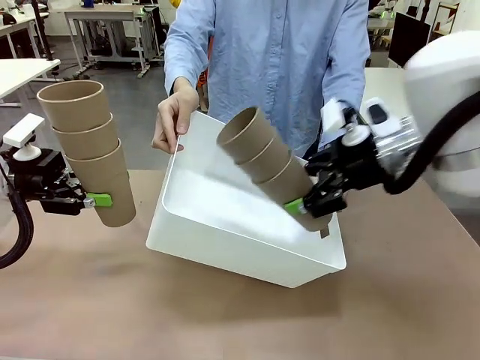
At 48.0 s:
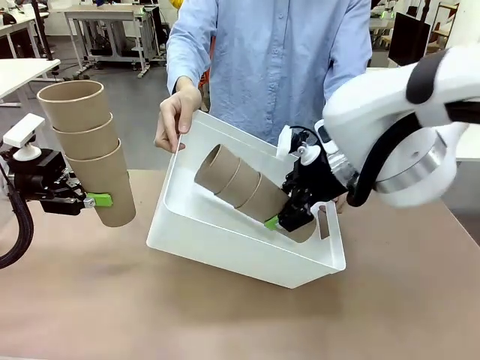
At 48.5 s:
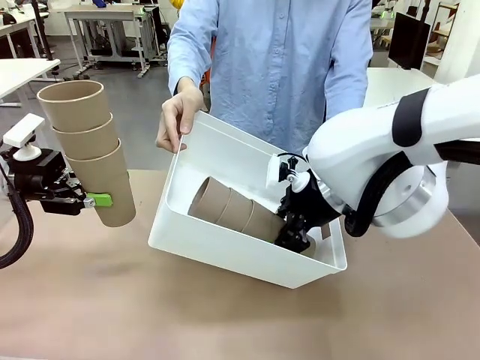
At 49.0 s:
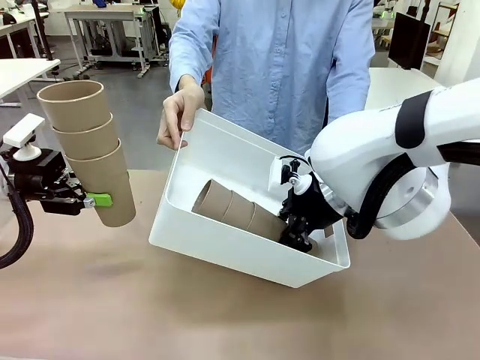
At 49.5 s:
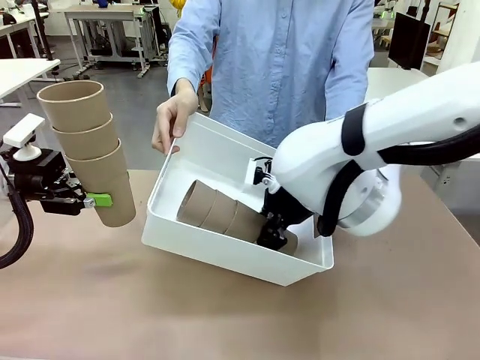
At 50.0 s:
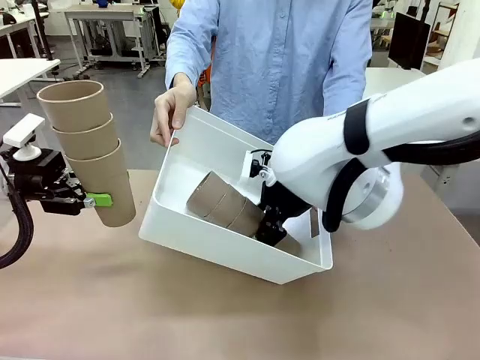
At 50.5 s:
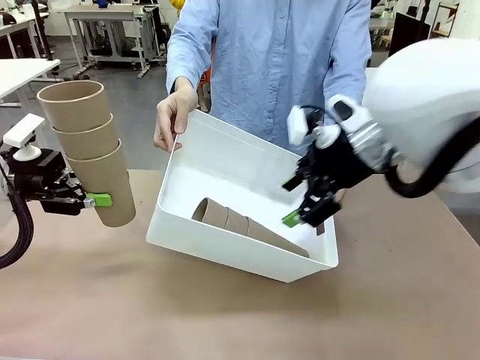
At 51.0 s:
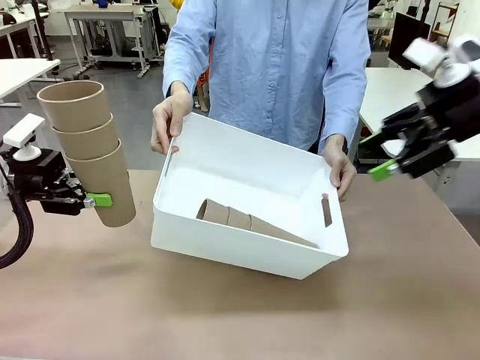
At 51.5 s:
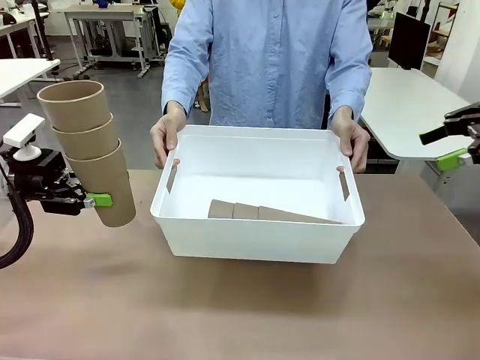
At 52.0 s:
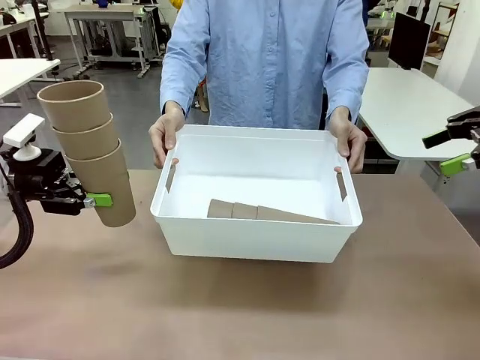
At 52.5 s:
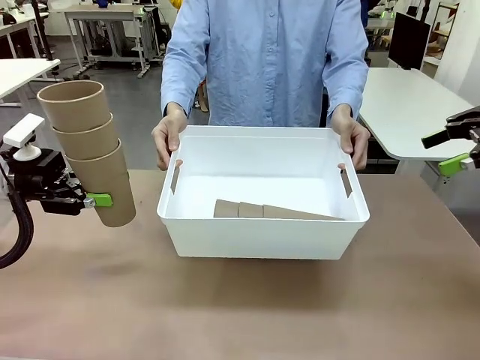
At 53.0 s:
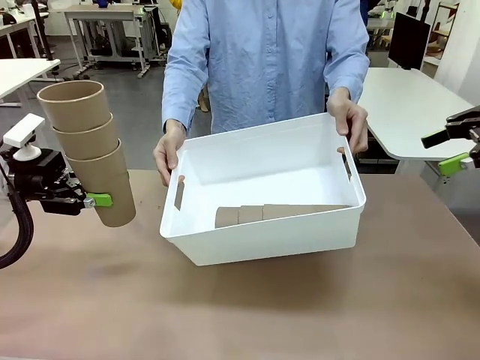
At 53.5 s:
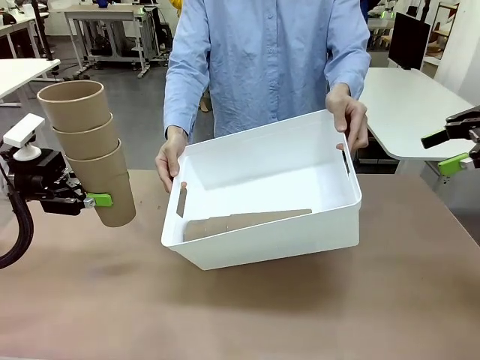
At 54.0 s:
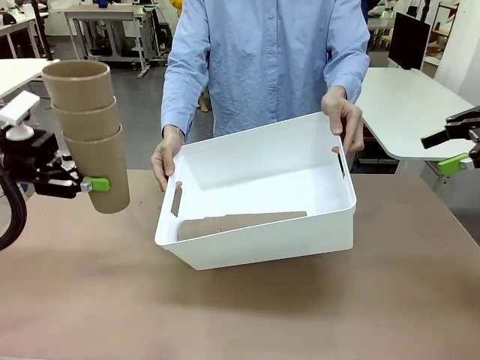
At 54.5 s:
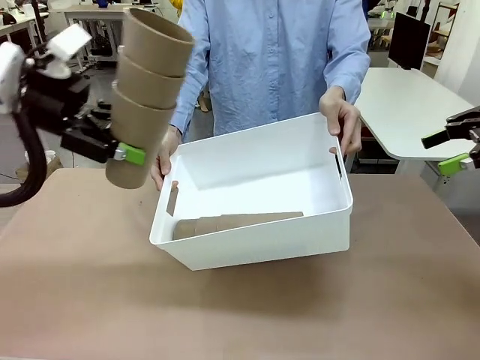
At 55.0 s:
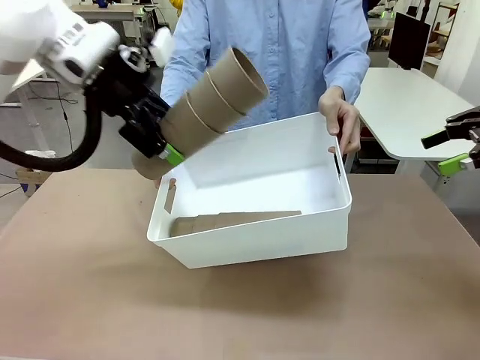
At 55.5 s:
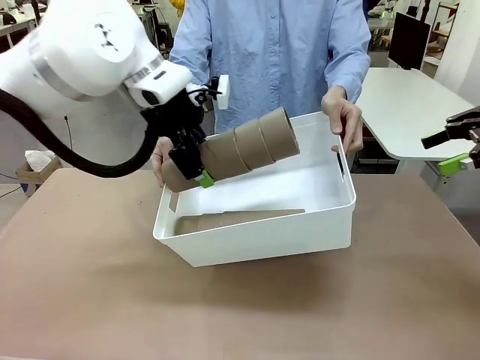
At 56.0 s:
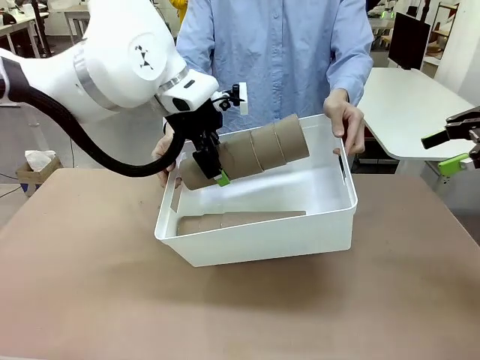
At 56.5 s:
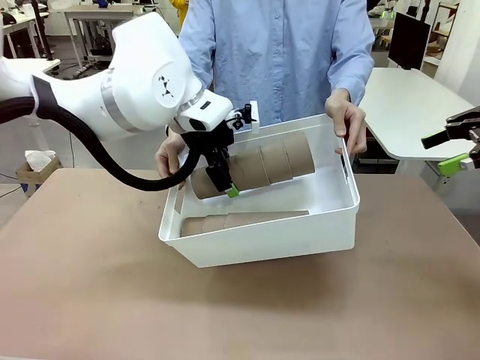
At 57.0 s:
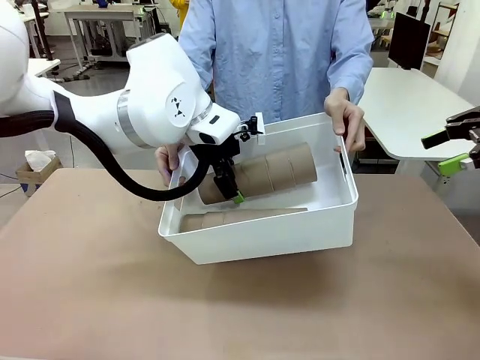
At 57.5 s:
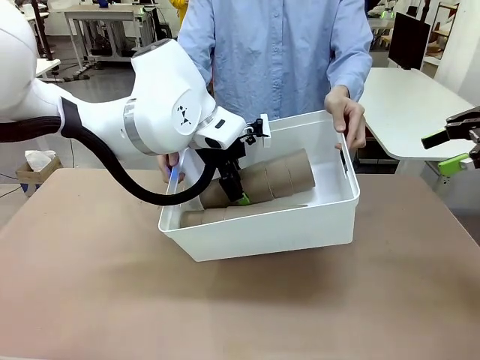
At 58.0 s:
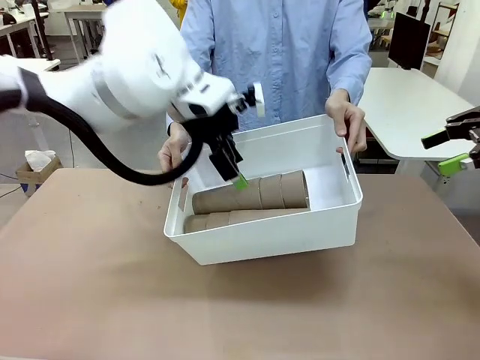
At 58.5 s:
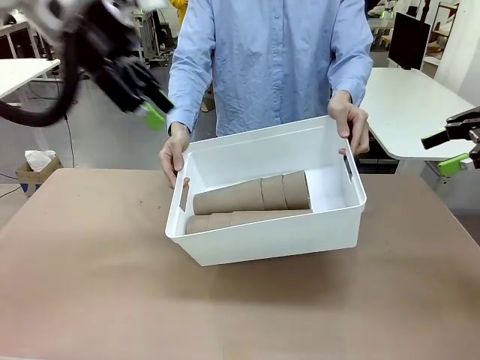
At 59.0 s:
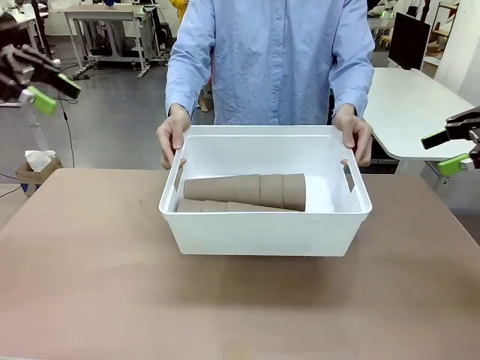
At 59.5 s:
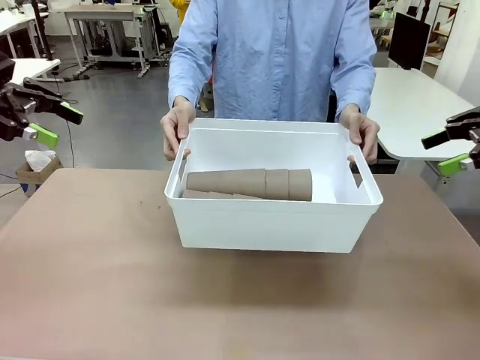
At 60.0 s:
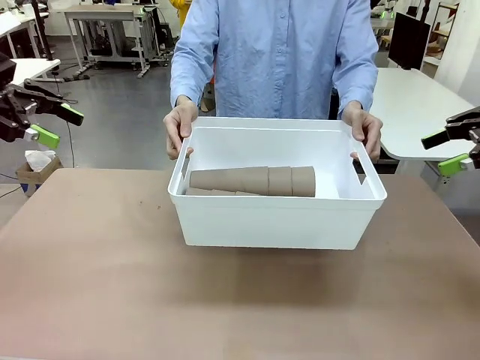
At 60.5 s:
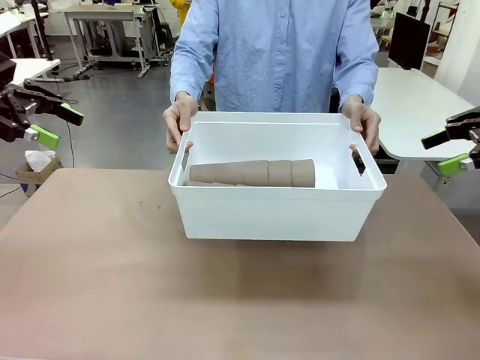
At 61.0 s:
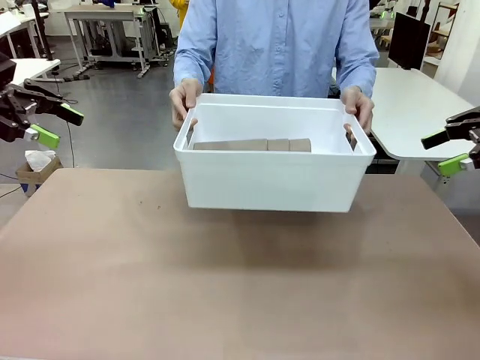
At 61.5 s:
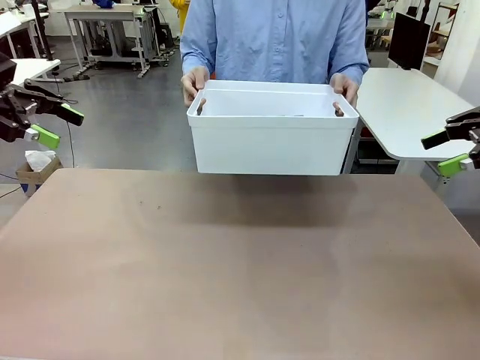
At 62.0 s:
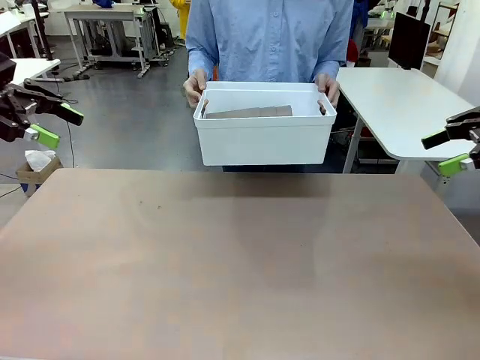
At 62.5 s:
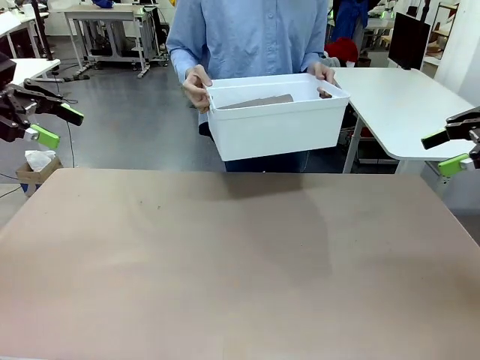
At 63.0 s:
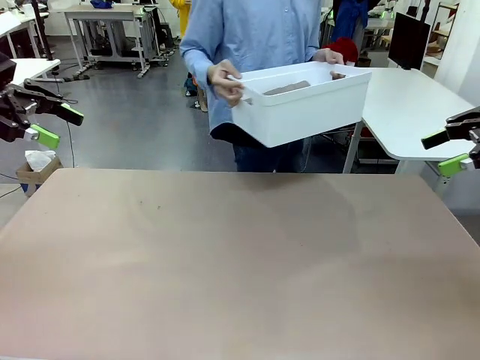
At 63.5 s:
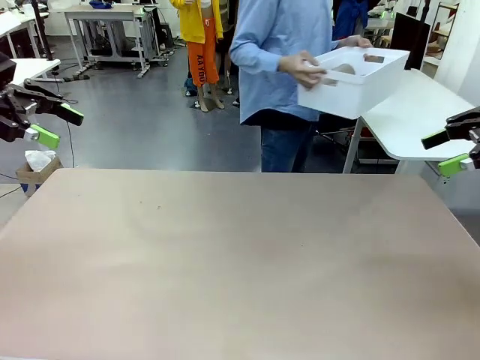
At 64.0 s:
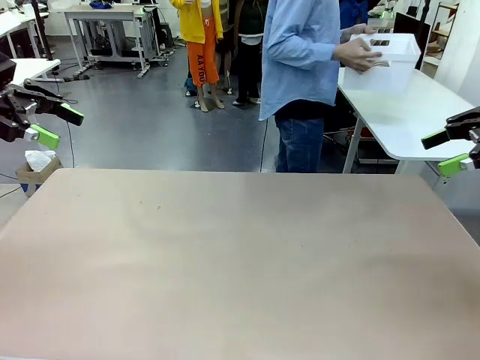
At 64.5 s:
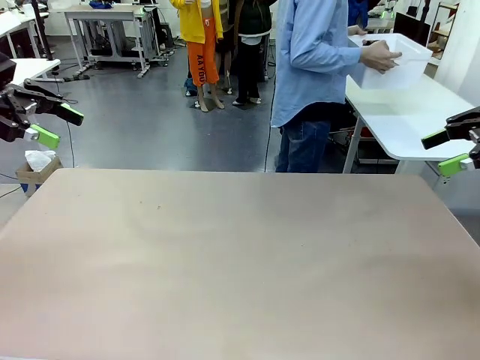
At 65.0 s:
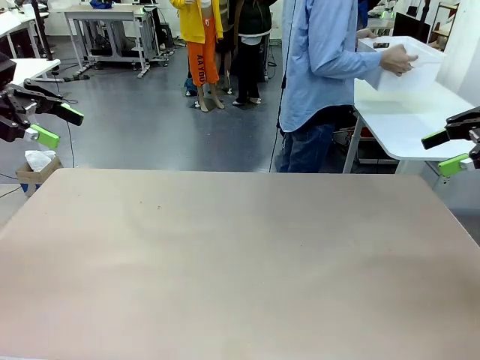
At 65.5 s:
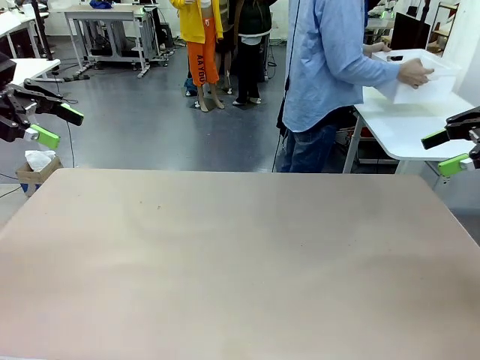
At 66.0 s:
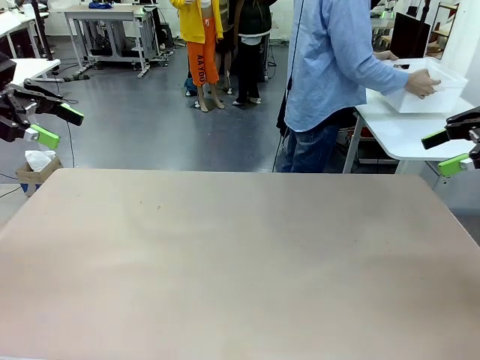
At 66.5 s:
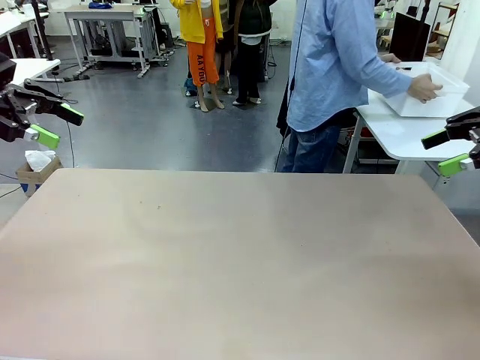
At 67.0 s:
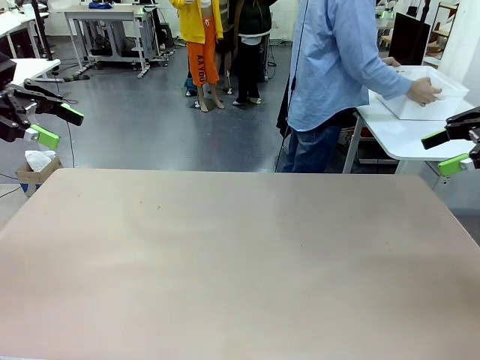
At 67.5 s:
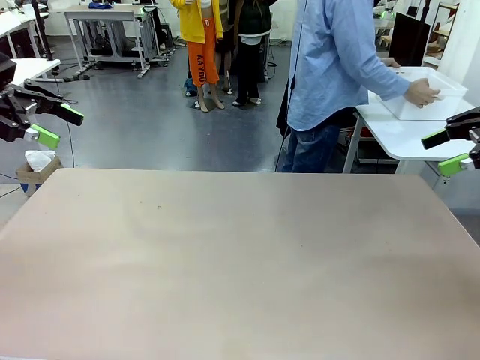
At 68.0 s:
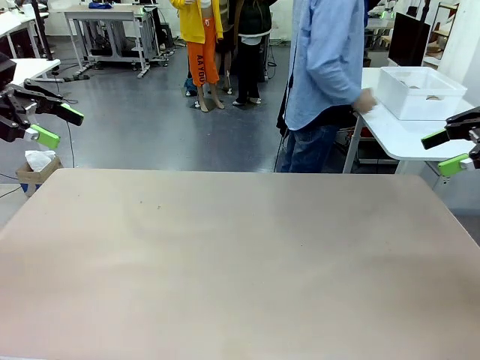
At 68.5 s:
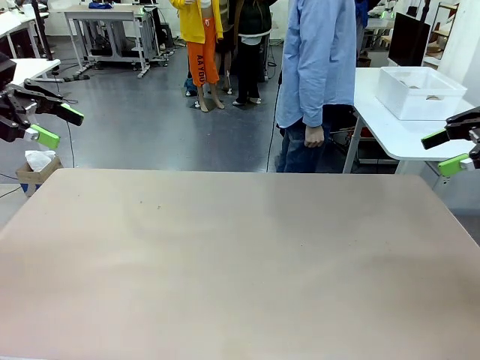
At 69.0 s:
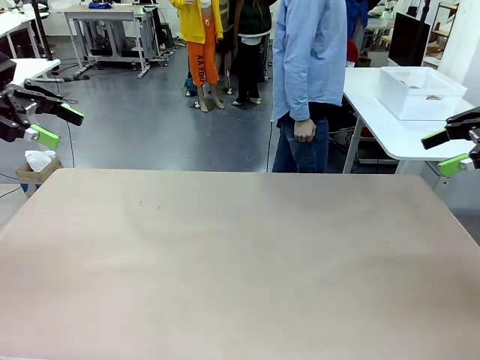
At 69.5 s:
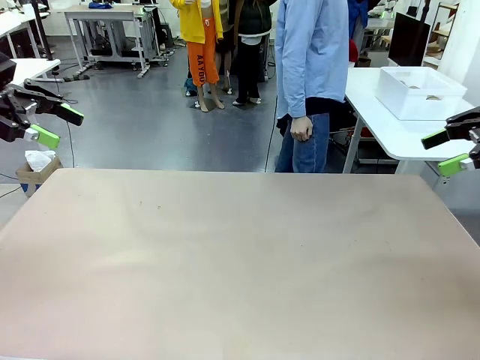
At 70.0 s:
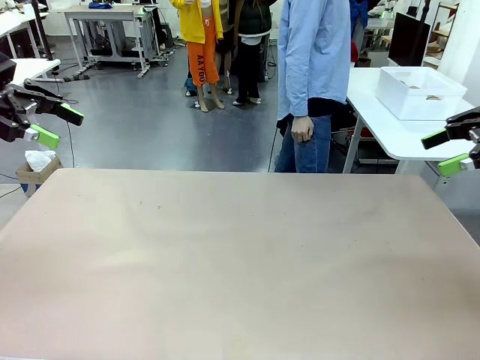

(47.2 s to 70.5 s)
Task: Stack the cups and store them in the basket.
Robot: Place the stack of Reusable plastic cups into the Pantry Basket.
Person: Place the basket containing the cups in the middle of the Human Table.
